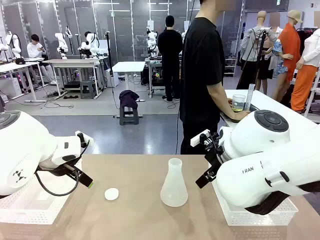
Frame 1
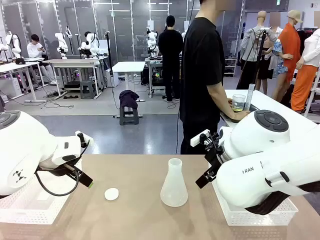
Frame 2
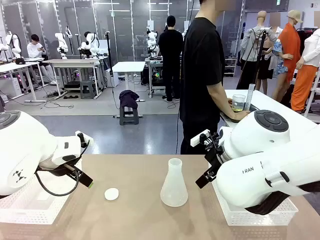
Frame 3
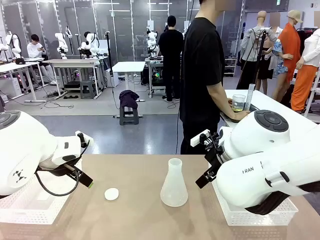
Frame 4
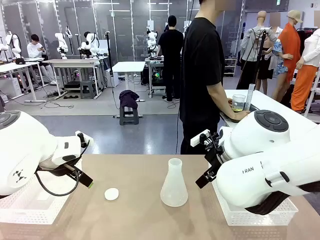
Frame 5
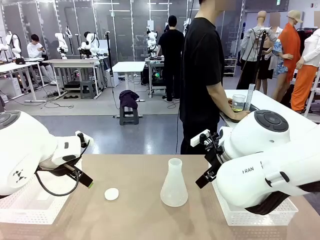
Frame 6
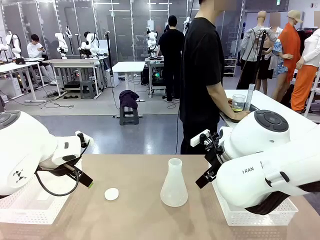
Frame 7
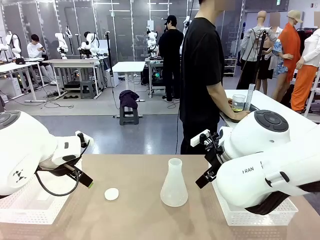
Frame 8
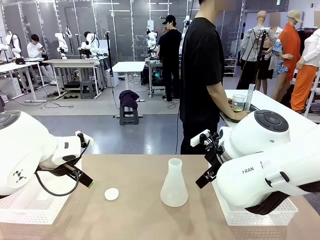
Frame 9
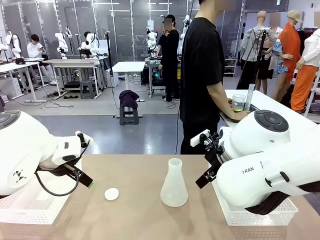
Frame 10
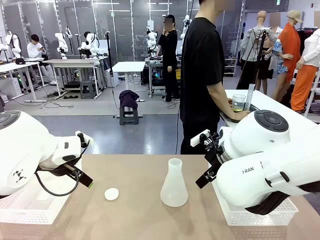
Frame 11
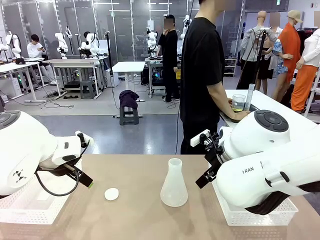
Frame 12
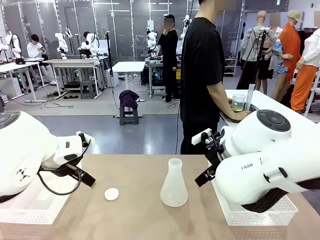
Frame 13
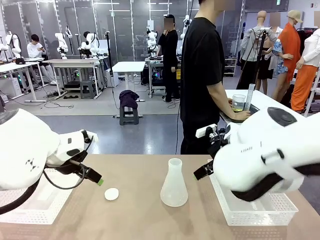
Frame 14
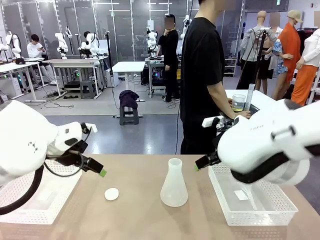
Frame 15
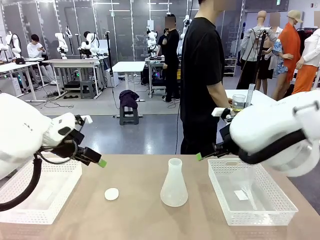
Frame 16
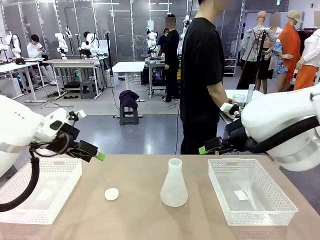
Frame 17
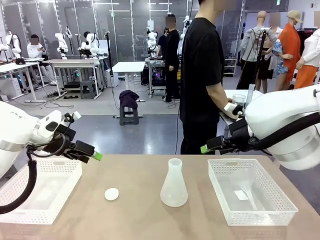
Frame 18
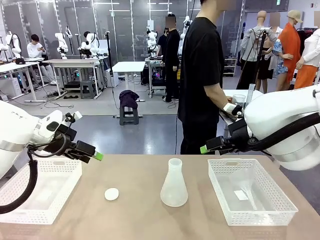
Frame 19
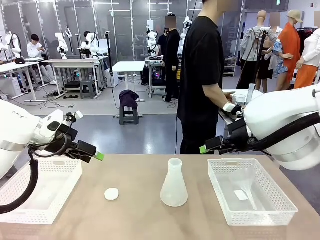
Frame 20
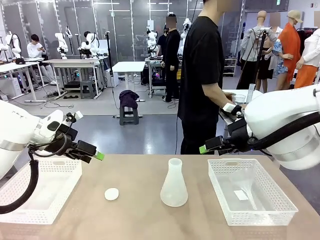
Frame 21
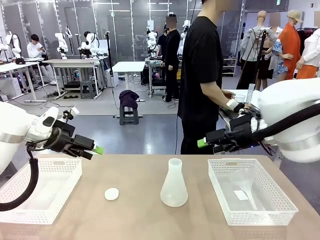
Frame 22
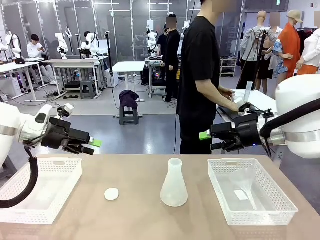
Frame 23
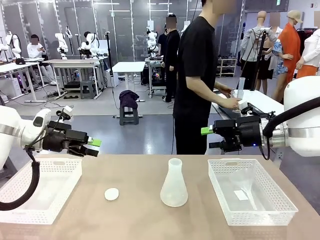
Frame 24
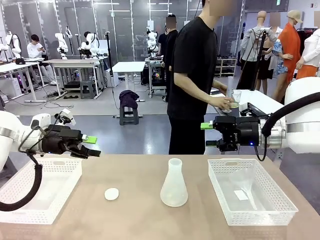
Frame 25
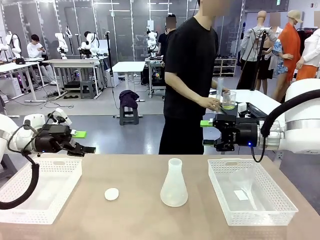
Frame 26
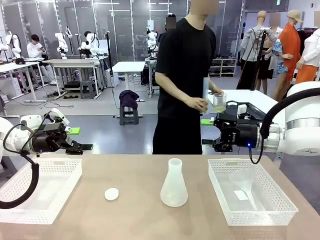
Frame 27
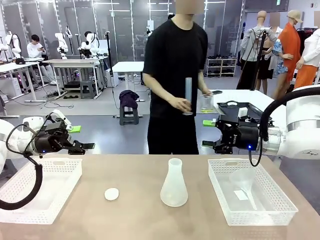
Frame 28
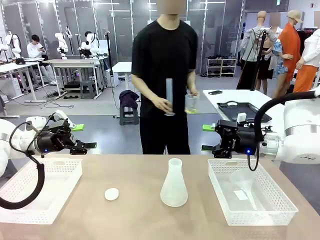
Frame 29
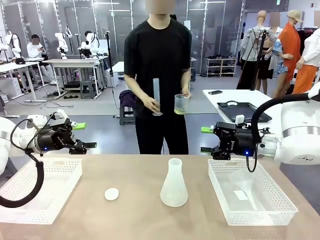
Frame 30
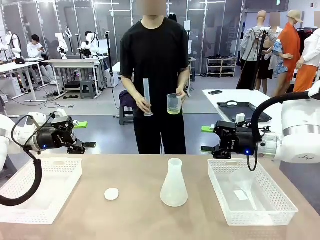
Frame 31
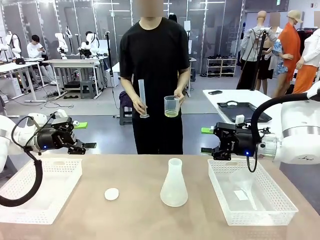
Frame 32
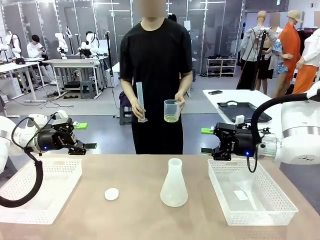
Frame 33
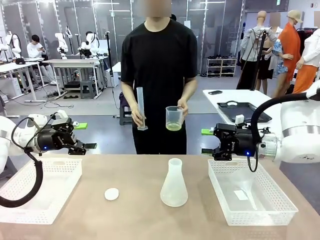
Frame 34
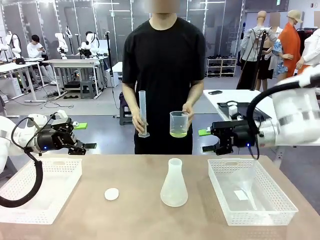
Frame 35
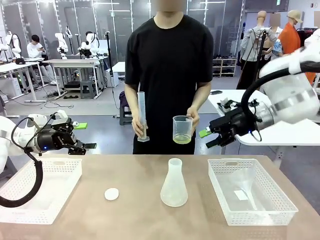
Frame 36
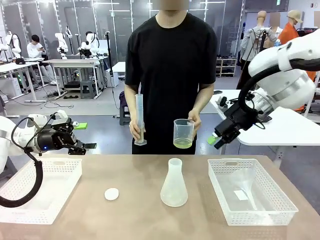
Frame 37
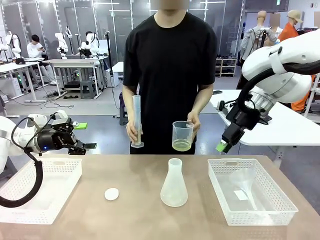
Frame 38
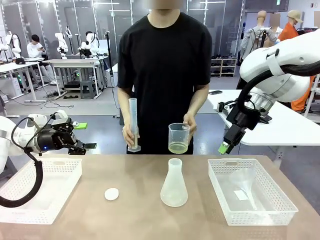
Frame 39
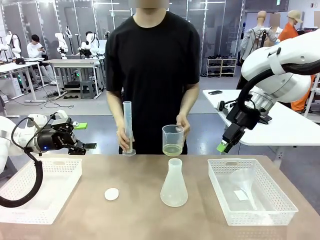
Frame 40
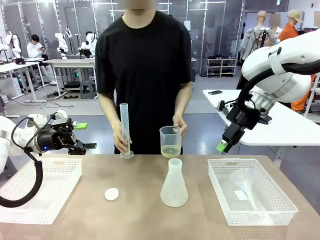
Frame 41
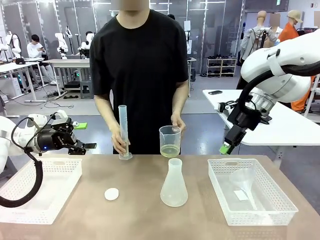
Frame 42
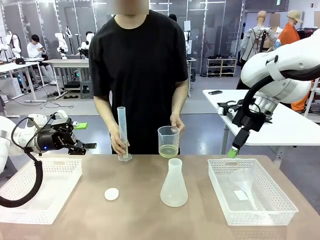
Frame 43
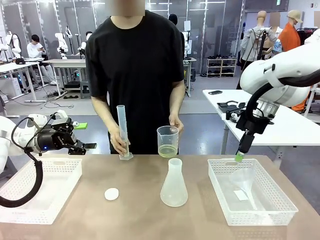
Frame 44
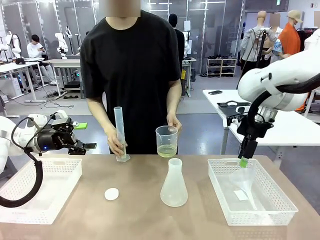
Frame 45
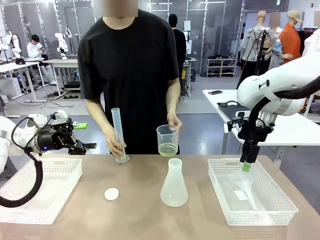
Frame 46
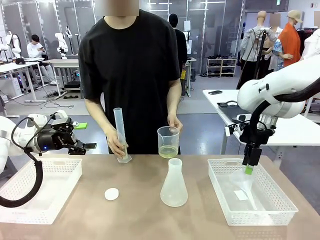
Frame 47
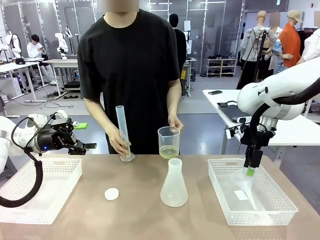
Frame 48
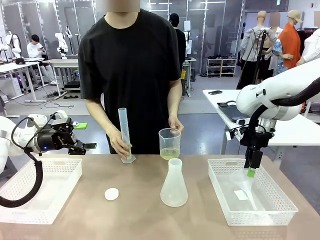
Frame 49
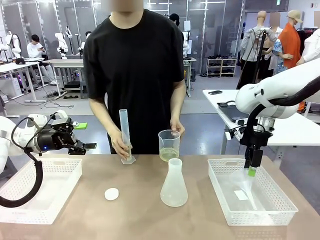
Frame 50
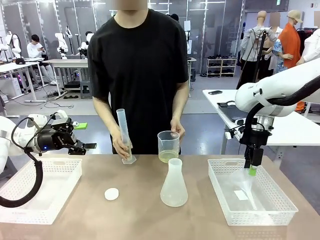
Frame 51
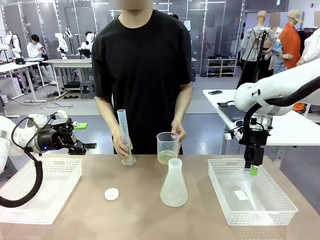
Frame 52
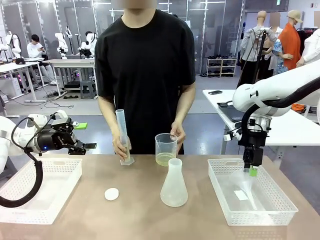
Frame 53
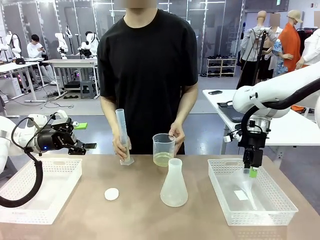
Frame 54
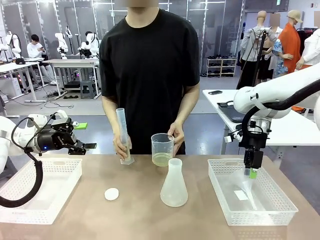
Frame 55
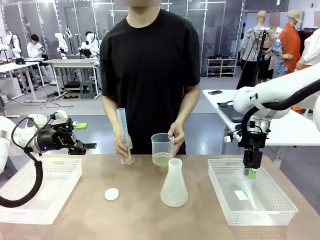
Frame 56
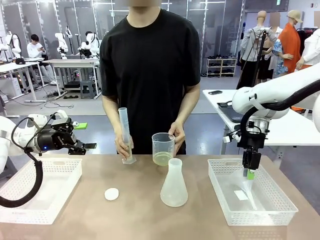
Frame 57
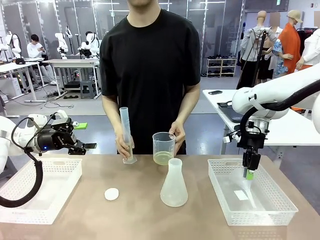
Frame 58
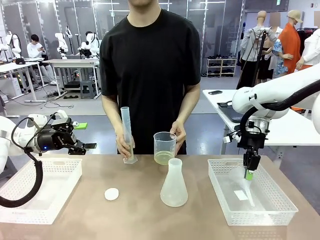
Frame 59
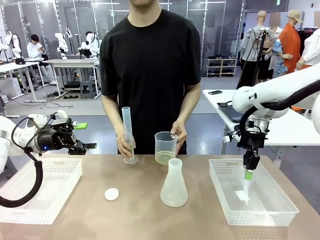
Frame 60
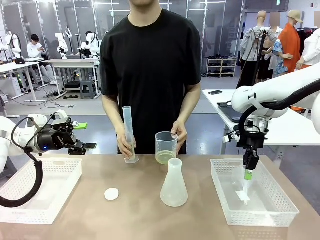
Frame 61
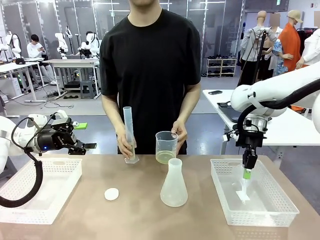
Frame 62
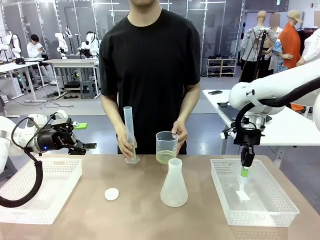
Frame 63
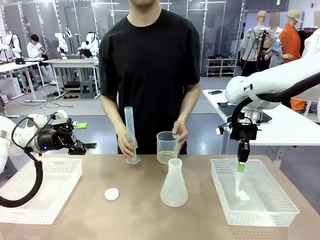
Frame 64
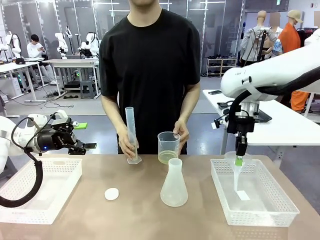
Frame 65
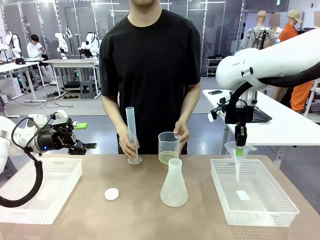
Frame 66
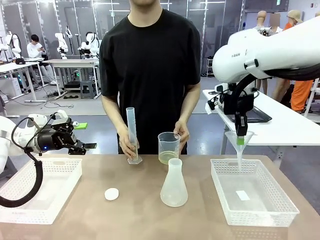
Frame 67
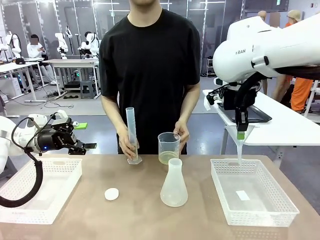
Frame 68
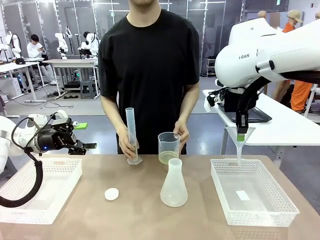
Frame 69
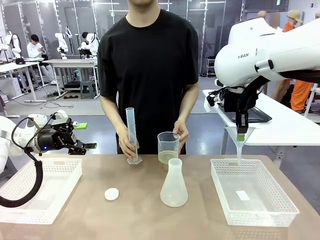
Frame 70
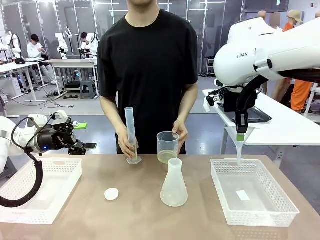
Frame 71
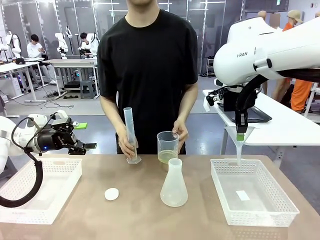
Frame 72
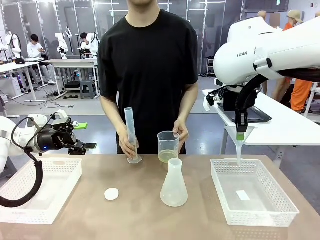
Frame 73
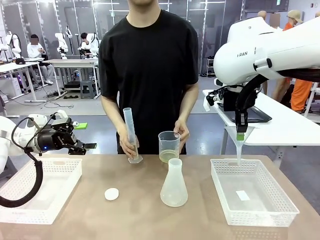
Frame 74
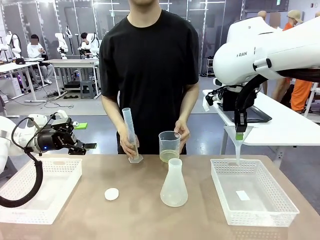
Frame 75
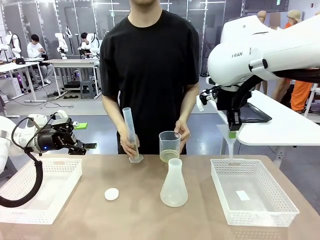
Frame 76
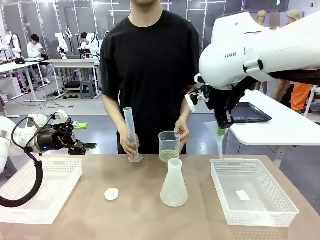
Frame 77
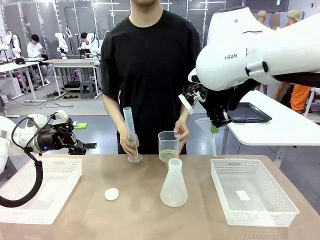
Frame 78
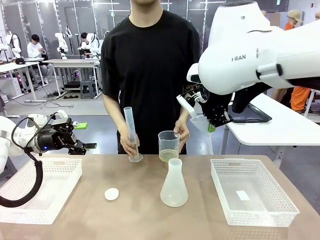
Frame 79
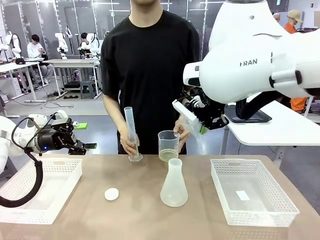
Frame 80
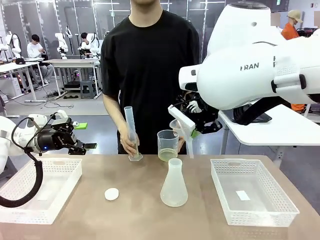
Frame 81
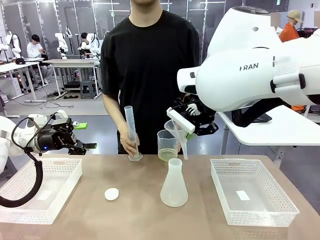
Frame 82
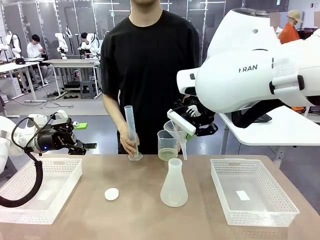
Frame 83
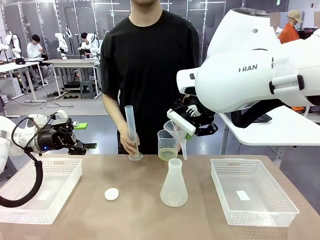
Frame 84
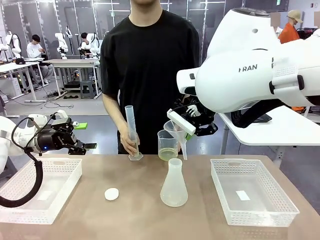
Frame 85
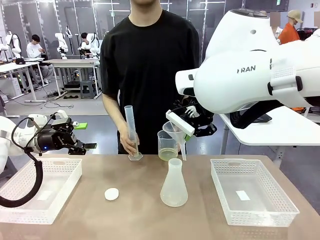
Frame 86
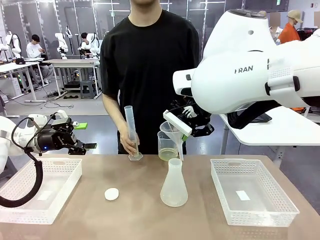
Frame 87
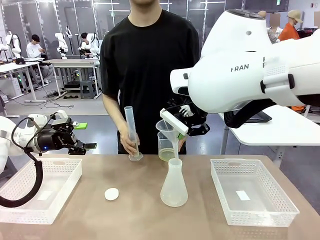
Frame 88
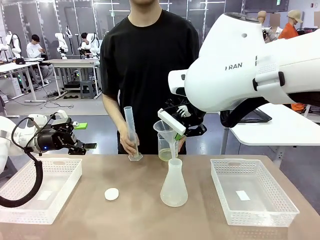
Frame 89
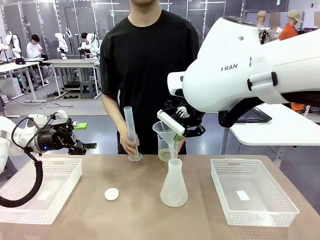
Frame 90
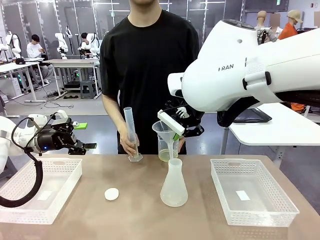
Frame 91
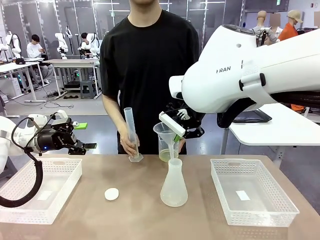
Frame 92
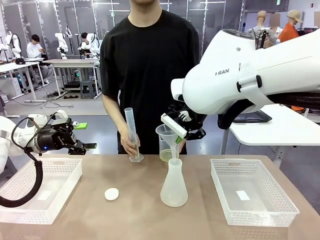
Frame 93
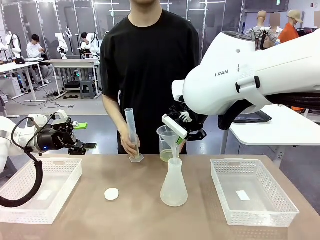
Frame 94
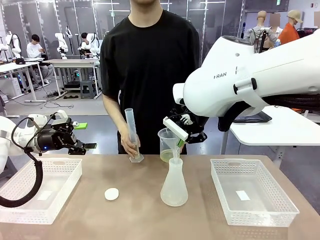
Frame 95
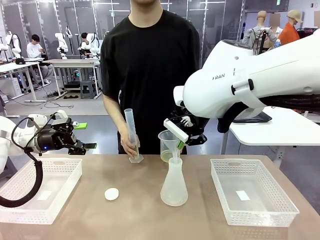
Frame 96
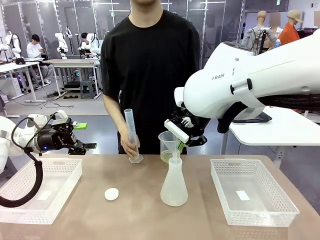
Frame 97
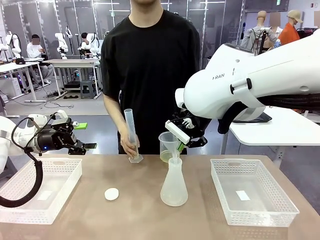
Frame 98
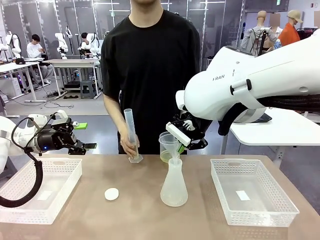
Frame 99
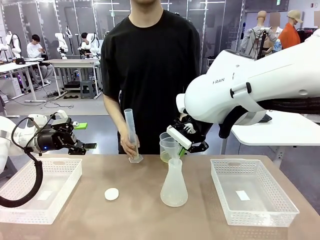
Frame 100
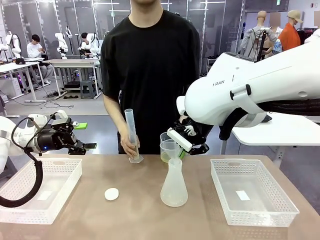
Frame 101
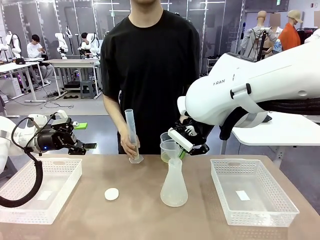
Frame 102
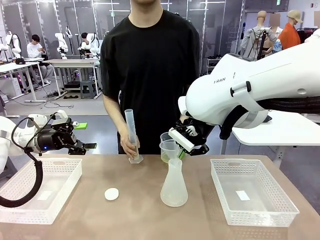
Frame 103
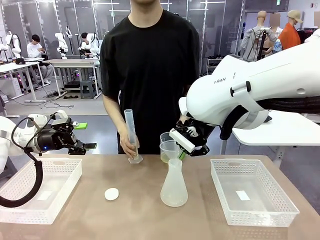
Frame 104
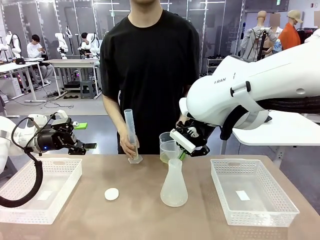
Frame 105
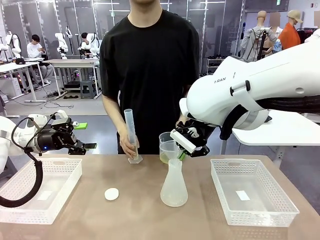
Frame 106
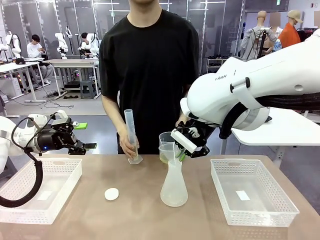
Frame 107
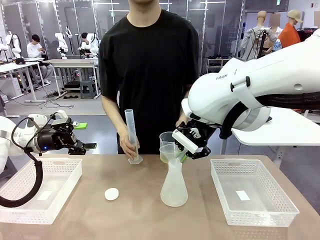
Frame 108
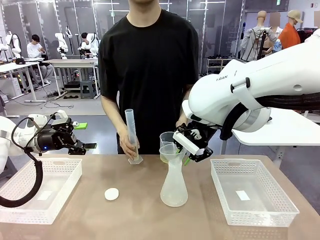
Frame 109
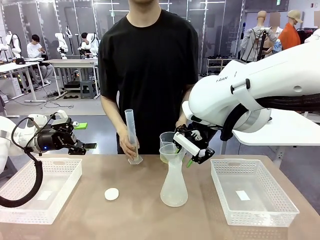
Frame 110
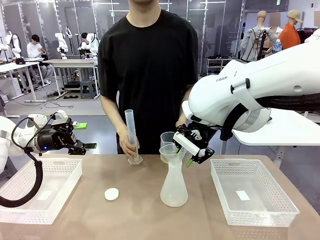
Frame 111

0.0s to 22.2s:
Task: Prepare the solutions needed for the experiment.
Robot: Pick up the Plastic Funnel and insert it into the Big flask.
Person: Pick up the beaker and the cylinder and move to the middle of the robot table. Pour the solution from the beaker and the cylinder into the flask.
